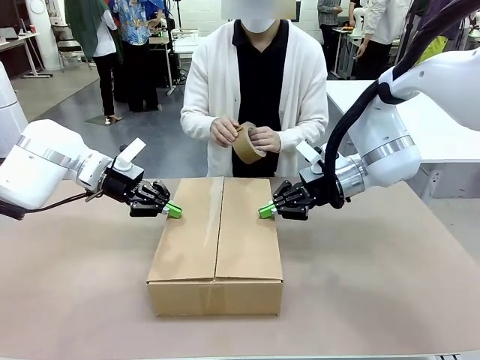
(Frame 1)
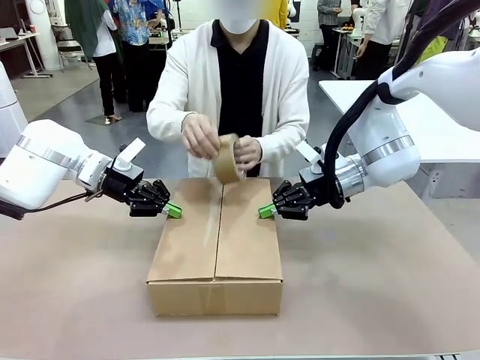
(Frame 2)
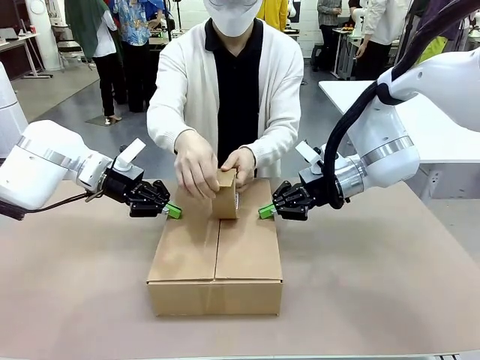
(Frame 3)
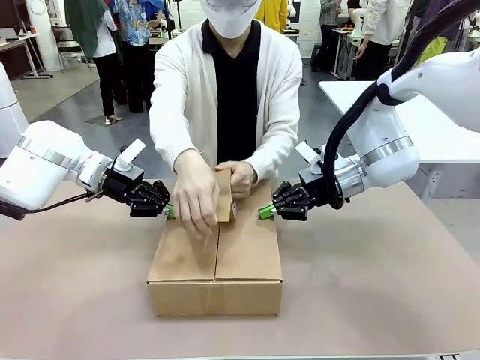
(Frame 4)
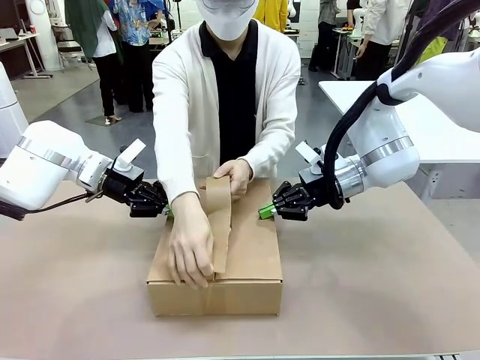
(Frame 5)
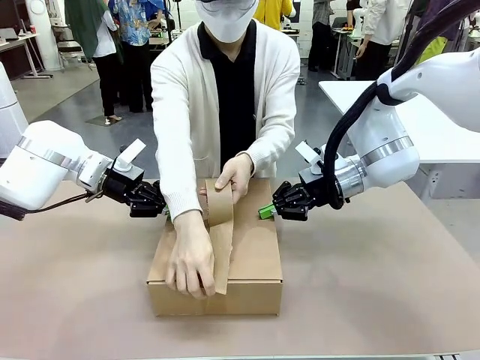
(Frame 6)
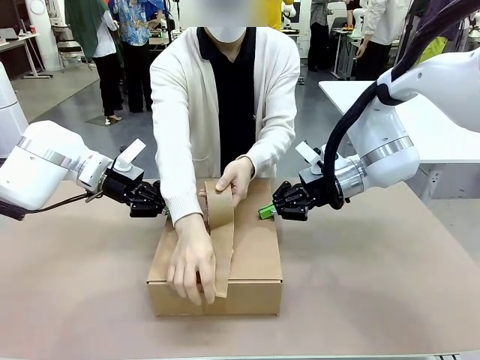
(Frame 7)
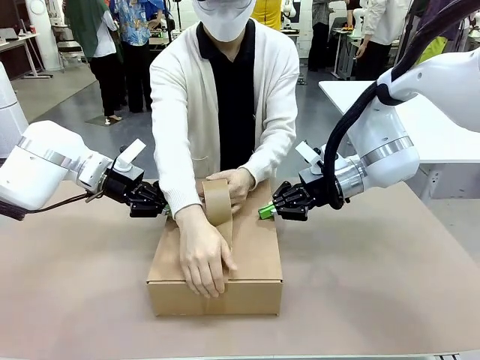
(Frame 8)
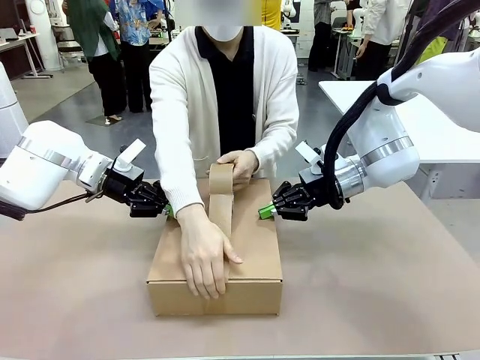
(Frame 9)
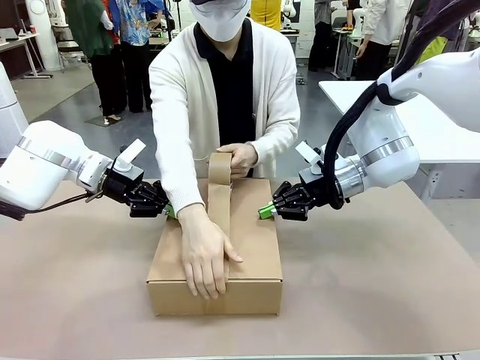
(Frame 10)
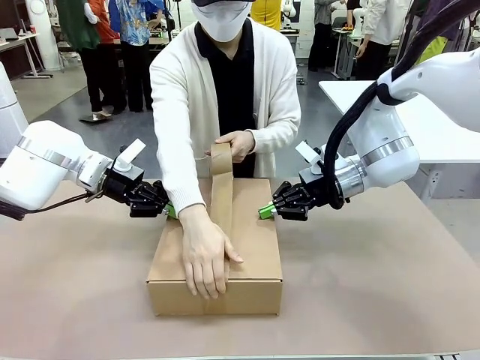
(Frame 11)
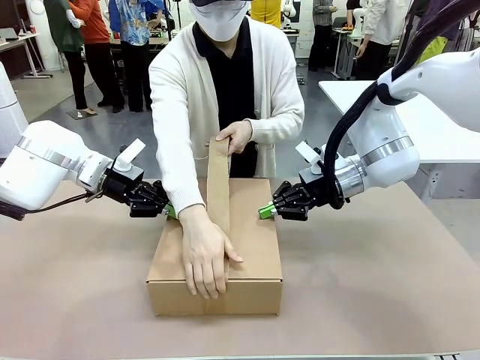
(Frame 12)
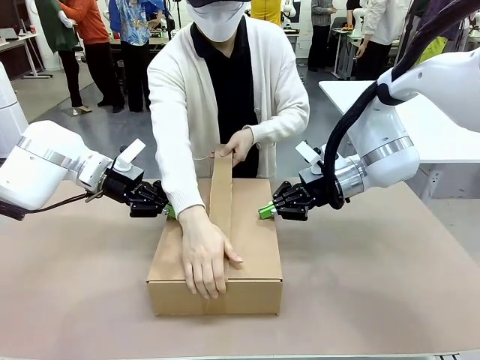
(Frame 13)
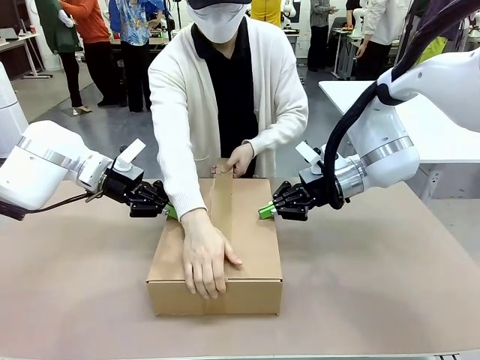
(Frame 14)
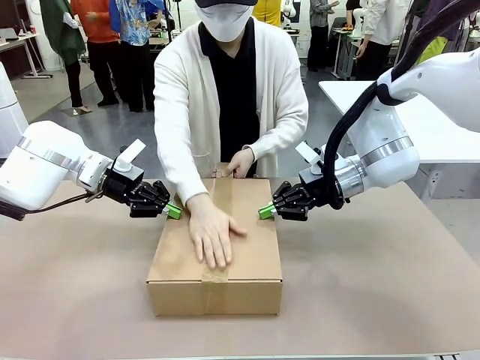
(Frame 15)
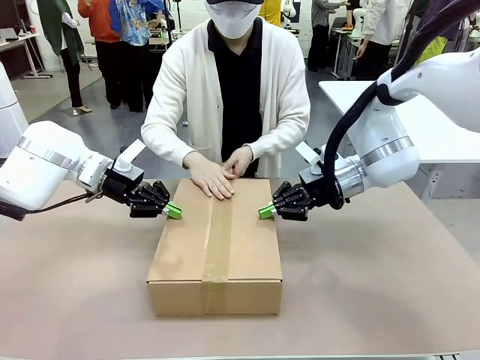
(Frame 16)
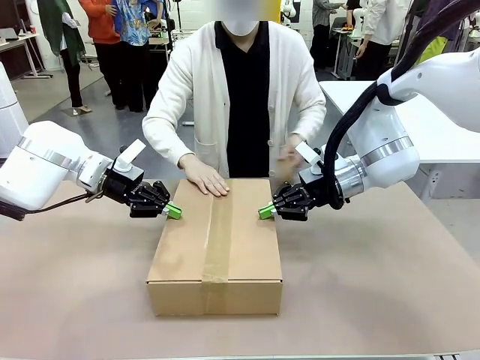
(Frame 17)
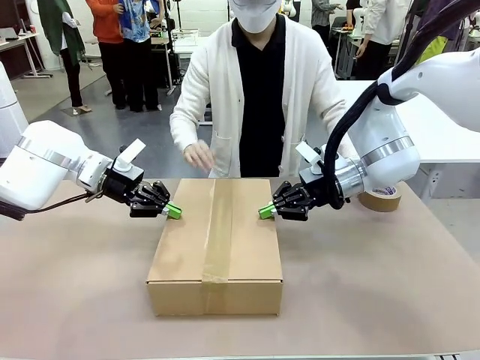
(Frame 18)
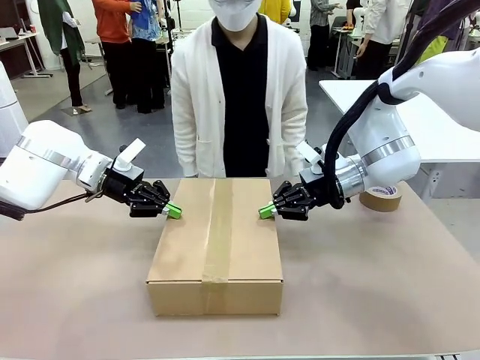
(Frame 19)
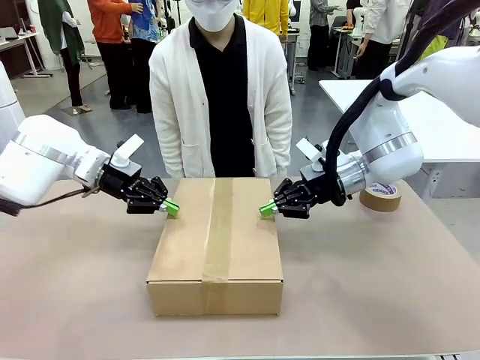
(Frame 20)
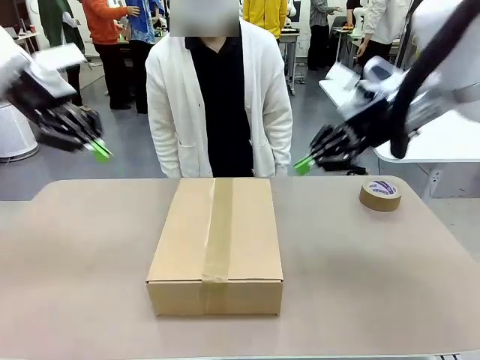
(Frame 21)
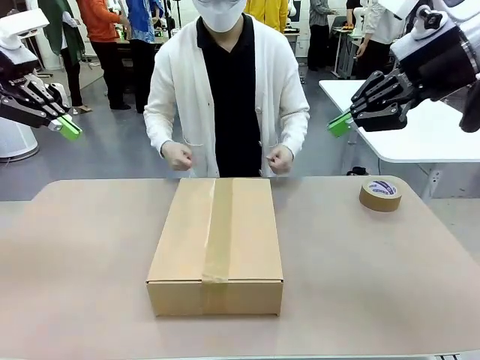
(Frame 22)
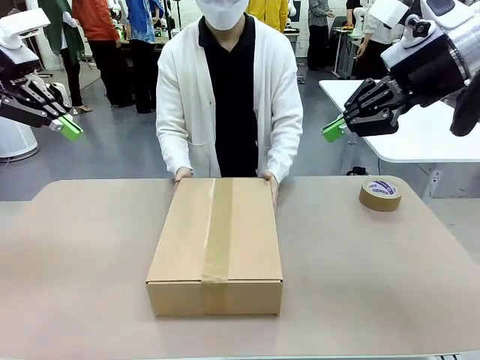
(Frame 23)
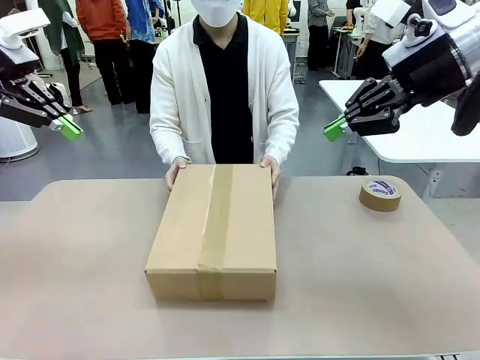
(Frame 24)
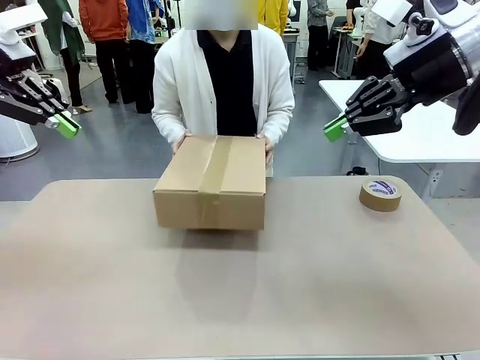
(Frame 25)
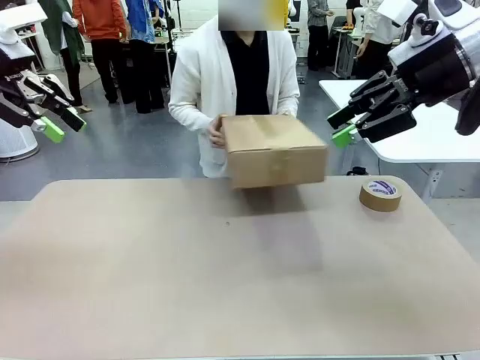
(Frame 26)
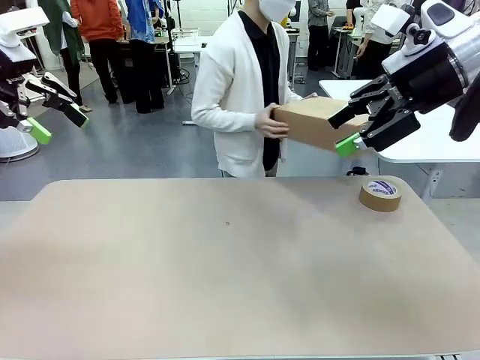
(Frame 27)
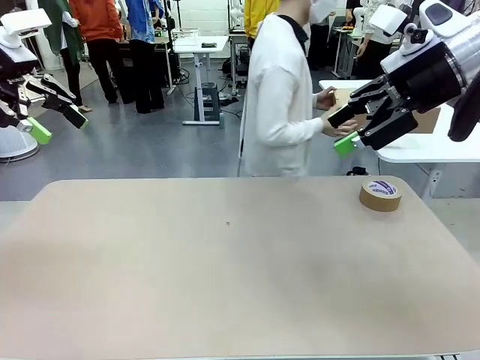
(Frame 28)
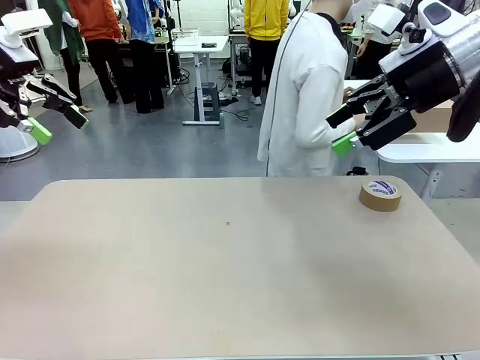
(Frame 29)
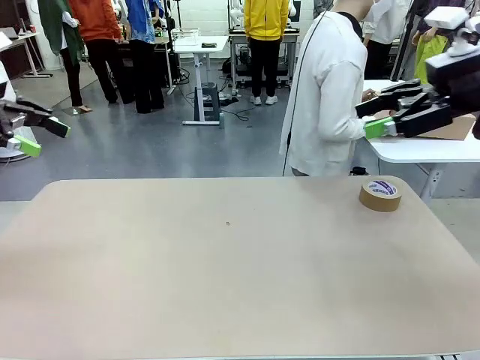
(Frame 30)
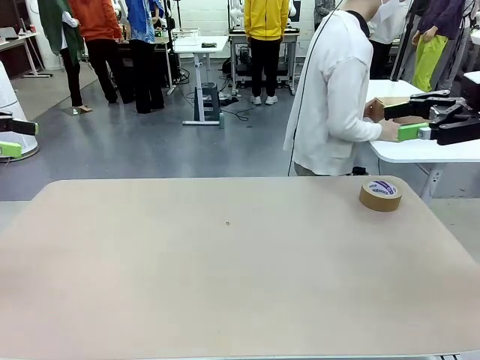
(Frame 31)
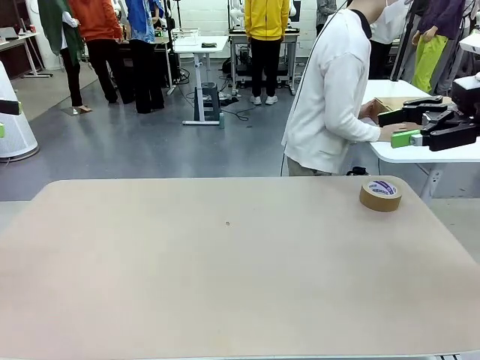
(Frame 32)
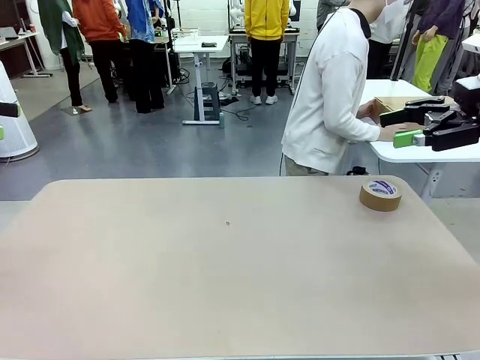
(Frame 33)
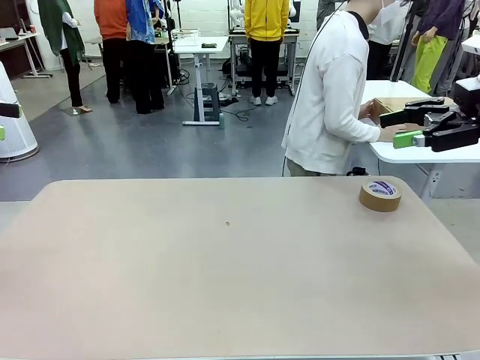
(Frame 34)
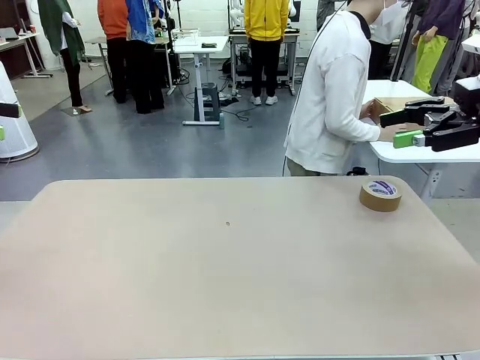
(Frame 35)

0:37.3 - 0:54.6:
Task: Wrap the clocks to prevent damage.
Robot: After the human seals the box with tape, release both hands from the side flaps of the Package Box.
Person: Once the robot closes the left flap of the Package Box , seal the box with Paper Tape. Place sealed Package Box in the middle of the human's table.

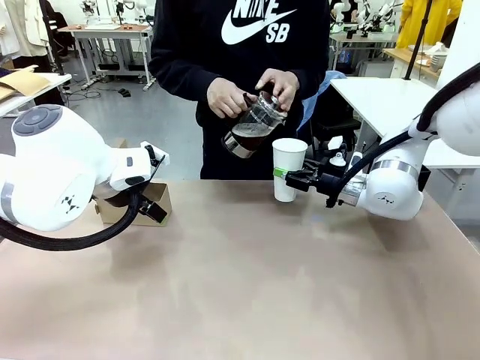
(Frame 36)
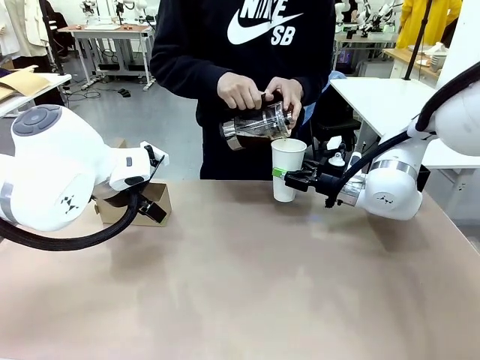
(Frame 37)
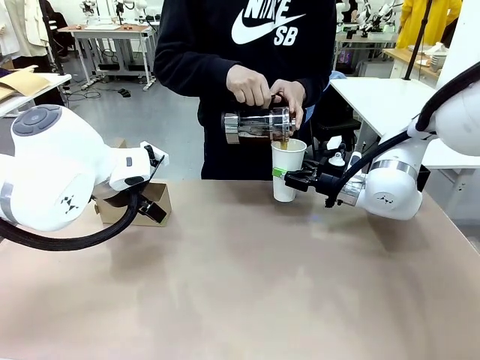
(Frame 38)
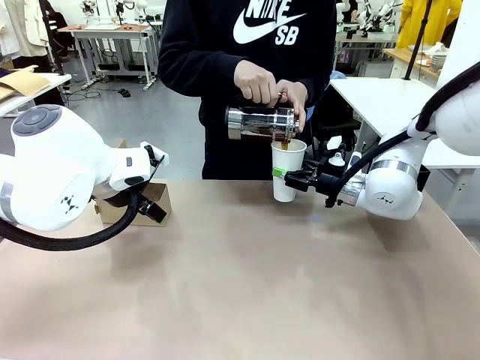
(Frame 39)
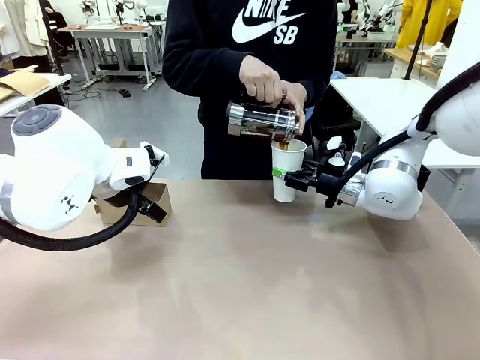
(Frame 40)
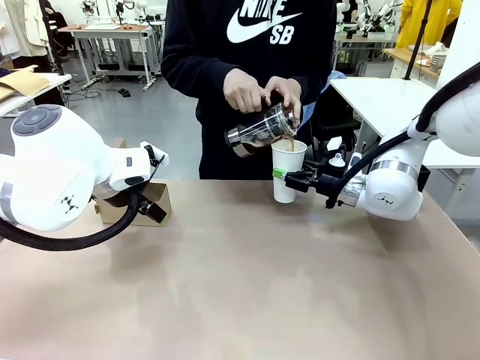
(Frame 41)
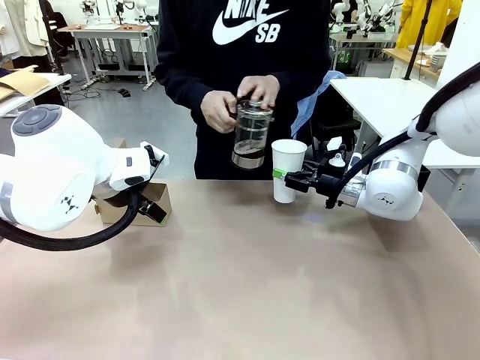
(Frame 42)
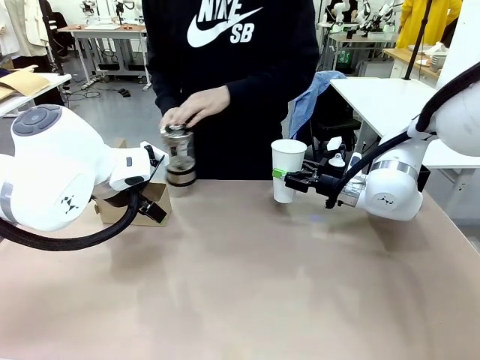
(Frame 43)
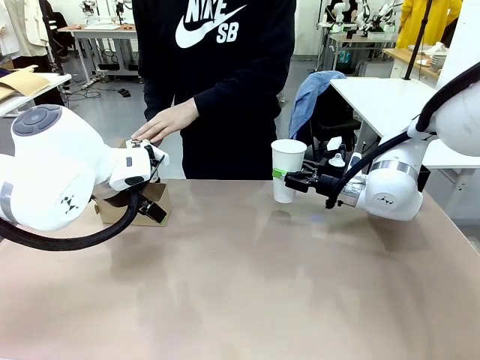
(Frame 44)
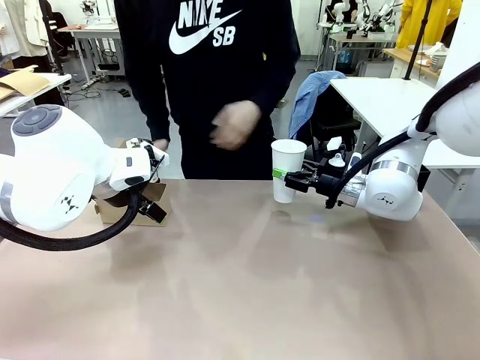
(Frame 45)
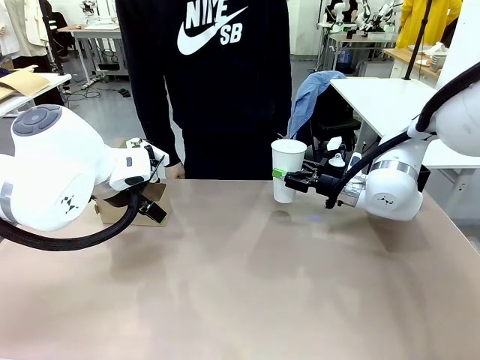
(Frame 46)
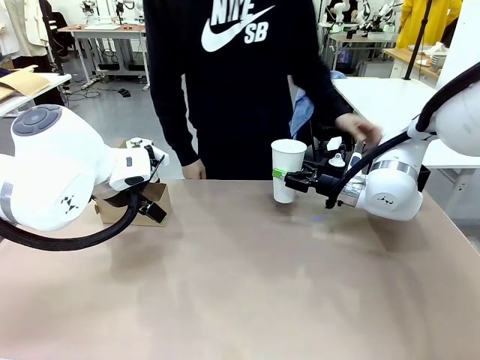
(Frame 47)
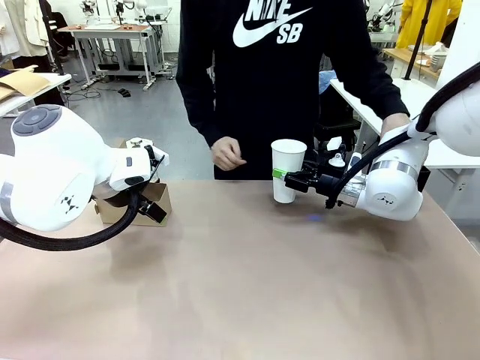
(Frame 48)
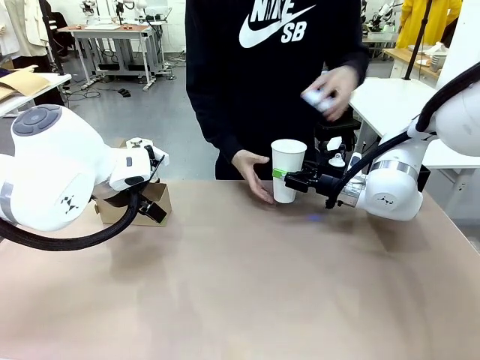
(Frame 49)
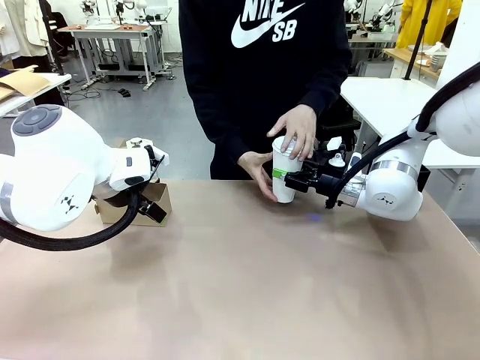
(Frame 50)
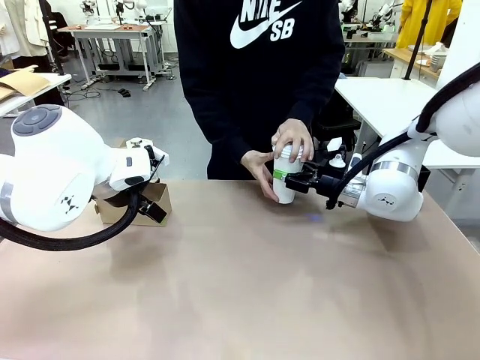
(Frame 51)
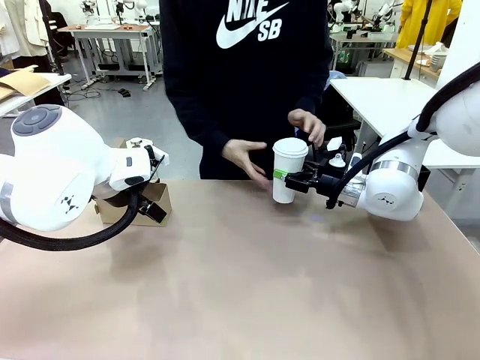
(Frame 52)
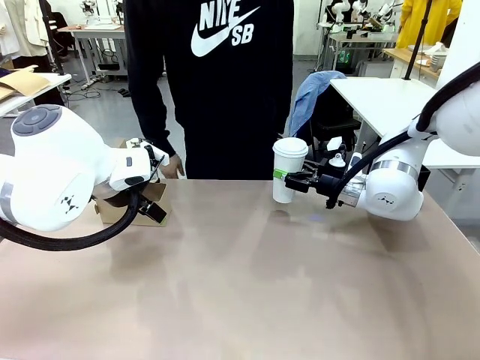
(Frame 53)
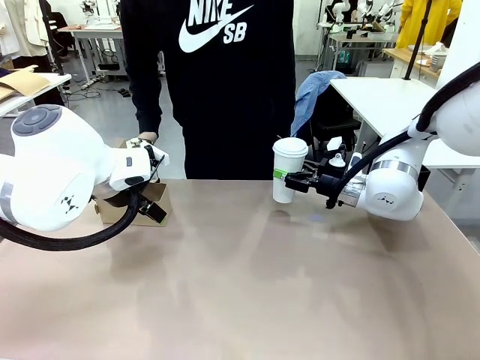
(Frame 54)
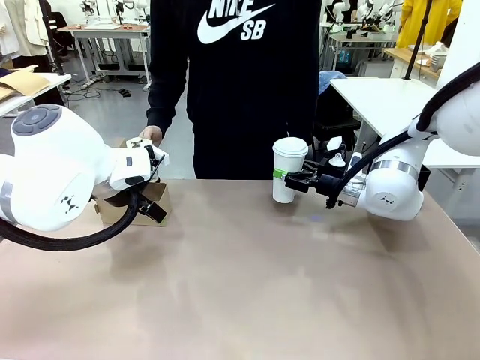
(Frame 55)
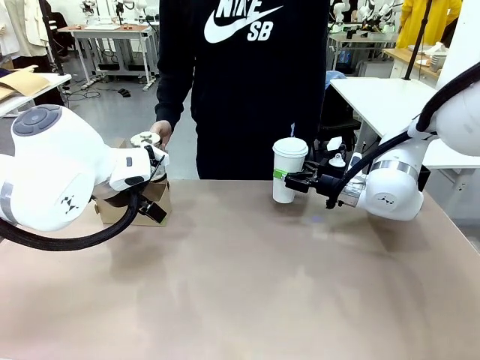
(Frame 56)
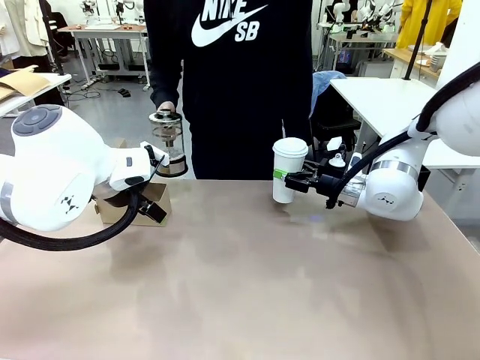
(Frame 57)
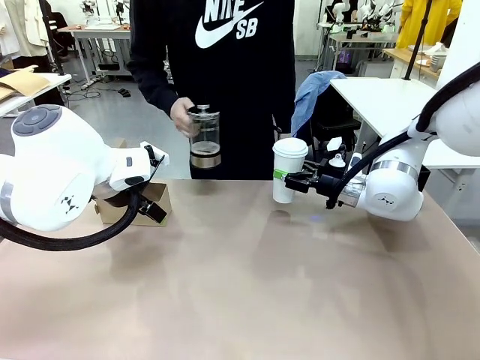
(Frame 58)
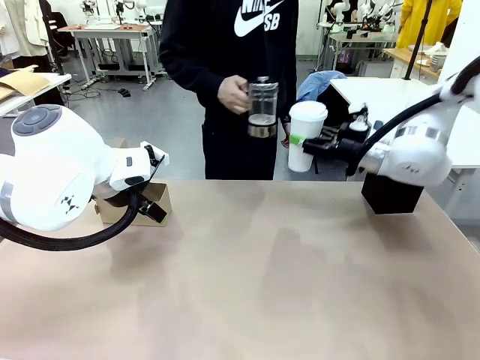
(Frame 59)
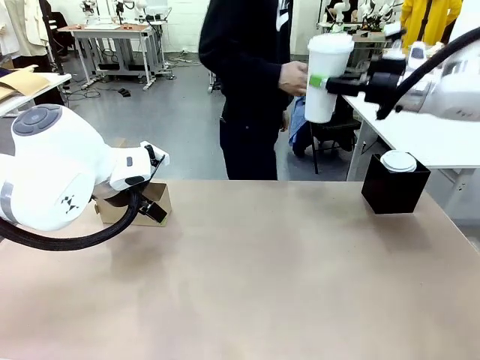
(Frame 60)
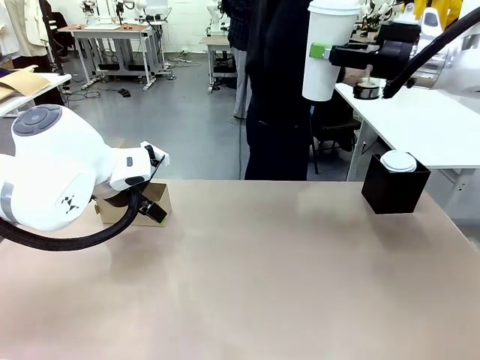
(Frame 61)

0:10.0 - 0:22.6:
Task: Pour a drink into a cup and package it in a carrier.
Robot: When a person places the Paper Cup Lid on the 600 ml Paper Cup , lift the 600 ml Paper Cup.
Person: Pour the drink from the Filter Brewing into the 600 ml Paper Cup. Place a Paper Cup Lid on the 600 ml Paper Cup.
